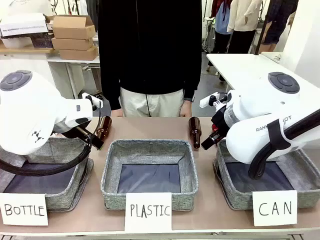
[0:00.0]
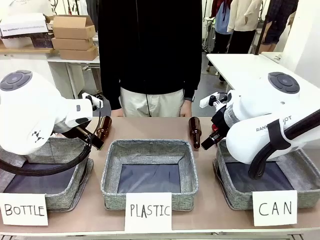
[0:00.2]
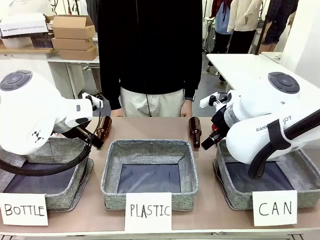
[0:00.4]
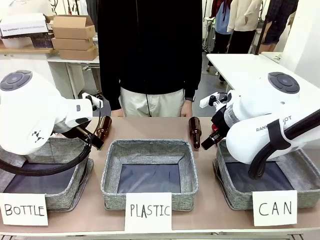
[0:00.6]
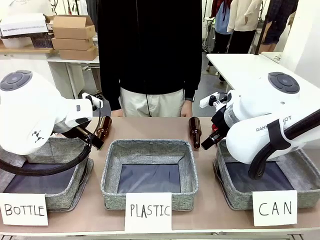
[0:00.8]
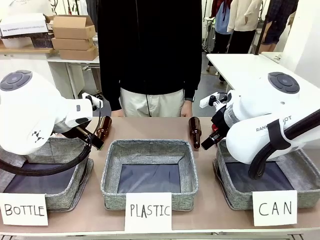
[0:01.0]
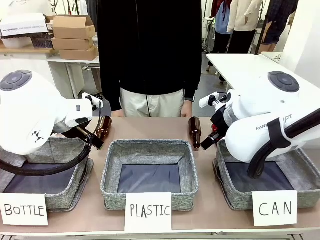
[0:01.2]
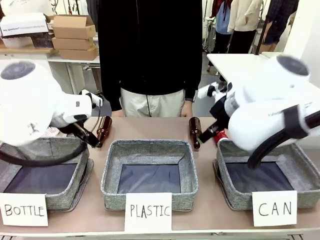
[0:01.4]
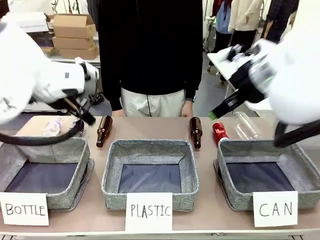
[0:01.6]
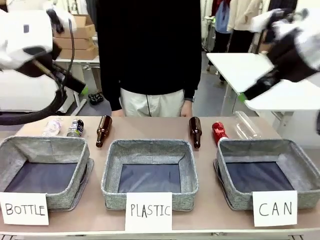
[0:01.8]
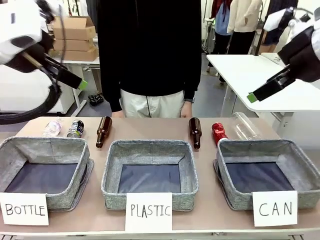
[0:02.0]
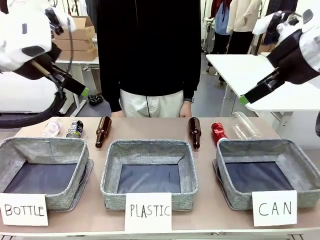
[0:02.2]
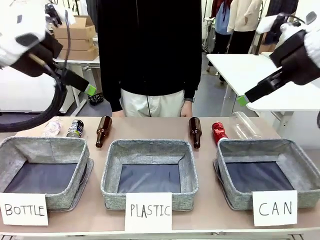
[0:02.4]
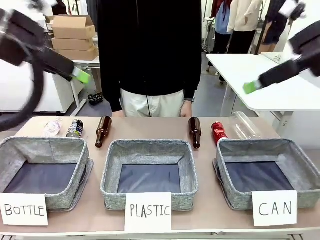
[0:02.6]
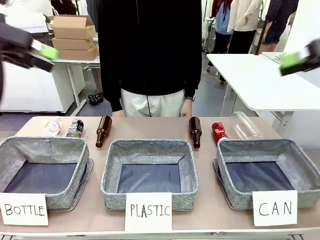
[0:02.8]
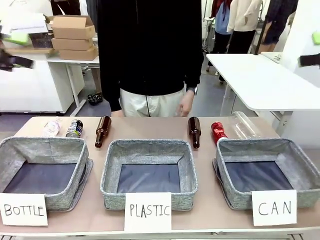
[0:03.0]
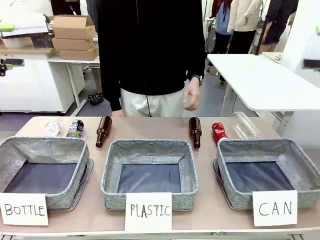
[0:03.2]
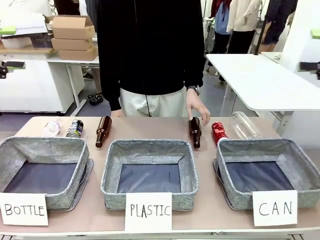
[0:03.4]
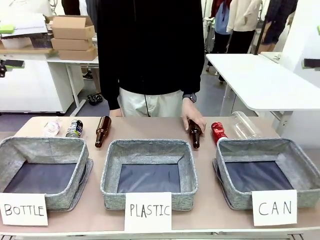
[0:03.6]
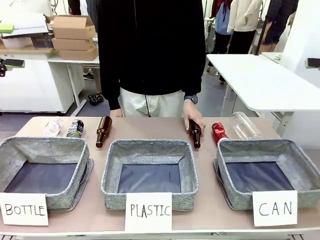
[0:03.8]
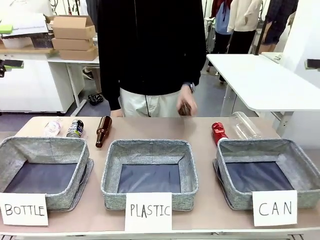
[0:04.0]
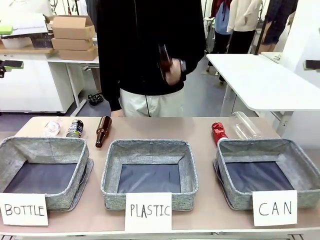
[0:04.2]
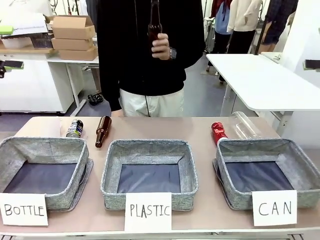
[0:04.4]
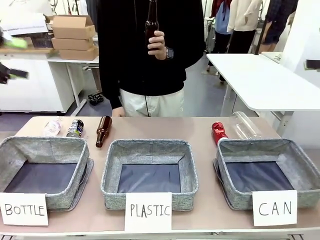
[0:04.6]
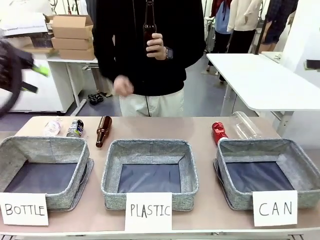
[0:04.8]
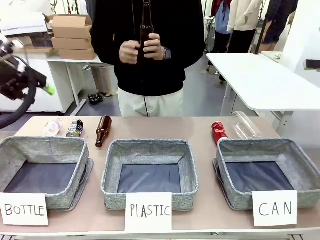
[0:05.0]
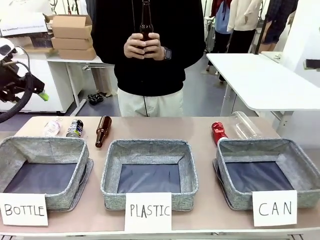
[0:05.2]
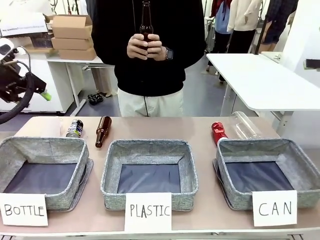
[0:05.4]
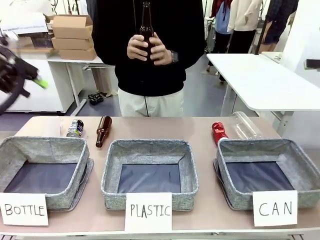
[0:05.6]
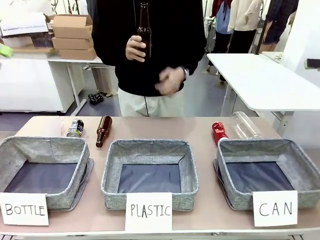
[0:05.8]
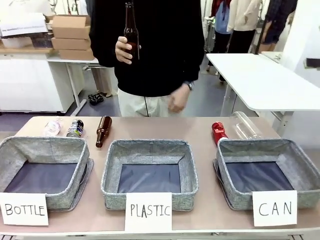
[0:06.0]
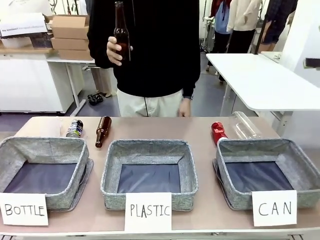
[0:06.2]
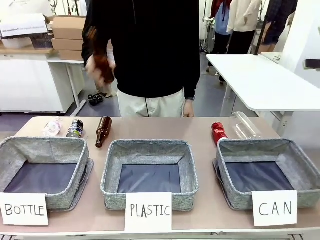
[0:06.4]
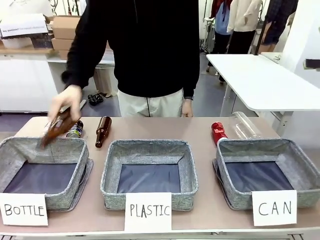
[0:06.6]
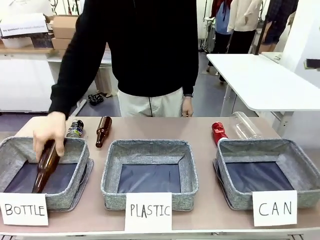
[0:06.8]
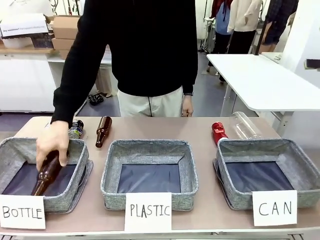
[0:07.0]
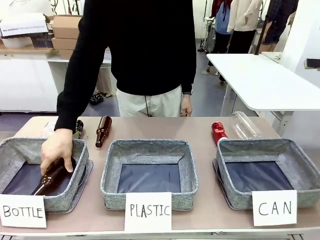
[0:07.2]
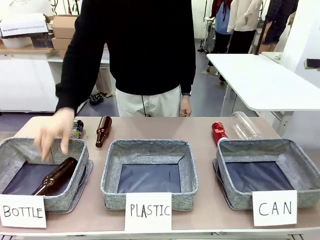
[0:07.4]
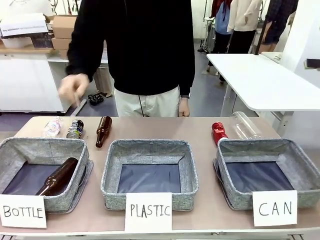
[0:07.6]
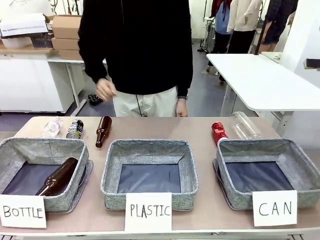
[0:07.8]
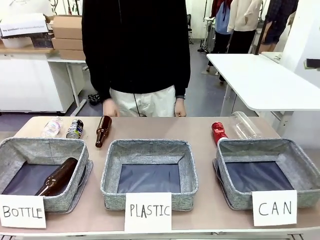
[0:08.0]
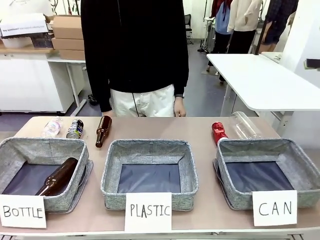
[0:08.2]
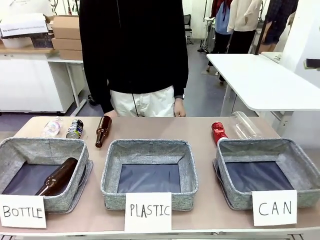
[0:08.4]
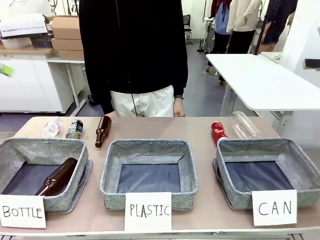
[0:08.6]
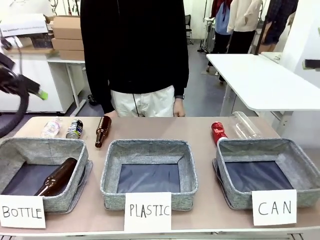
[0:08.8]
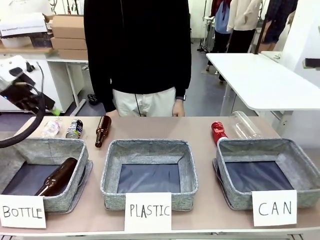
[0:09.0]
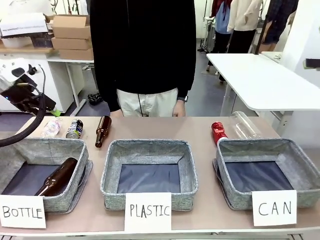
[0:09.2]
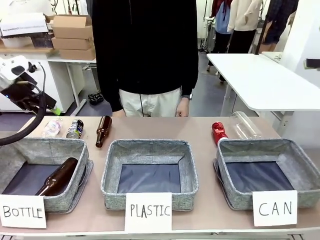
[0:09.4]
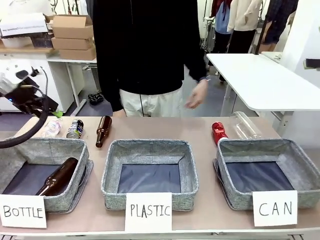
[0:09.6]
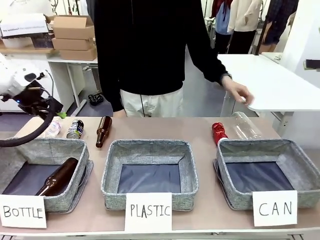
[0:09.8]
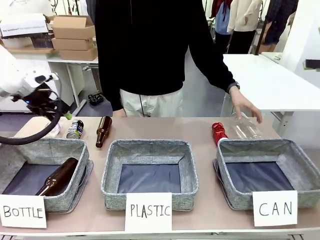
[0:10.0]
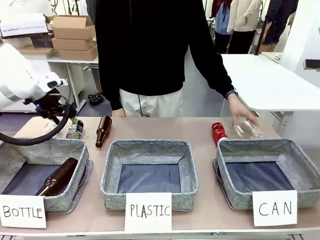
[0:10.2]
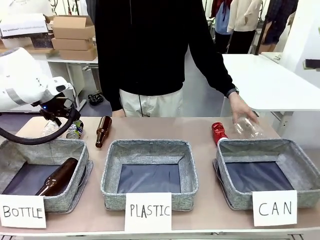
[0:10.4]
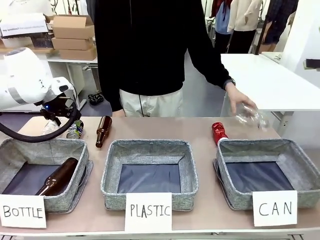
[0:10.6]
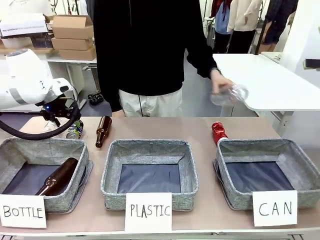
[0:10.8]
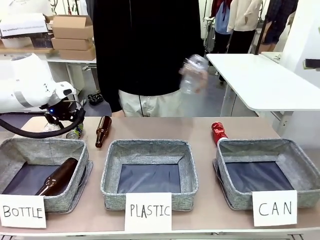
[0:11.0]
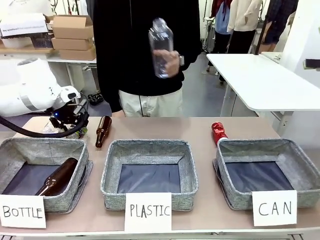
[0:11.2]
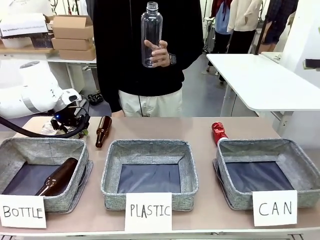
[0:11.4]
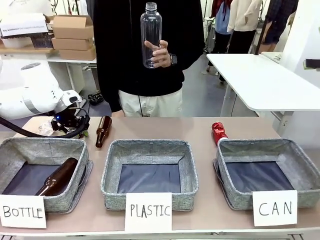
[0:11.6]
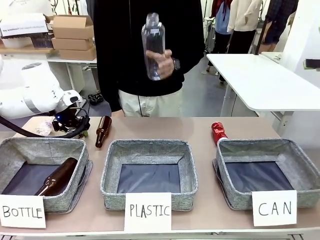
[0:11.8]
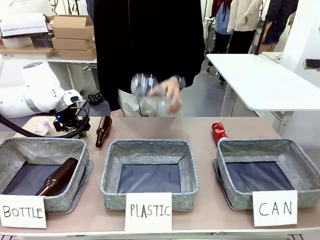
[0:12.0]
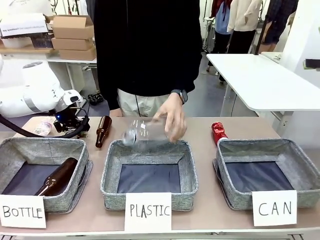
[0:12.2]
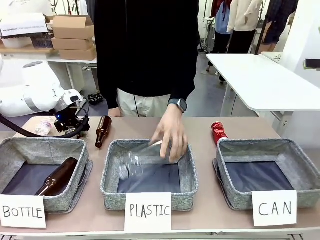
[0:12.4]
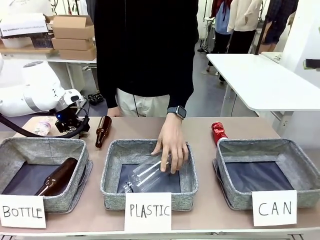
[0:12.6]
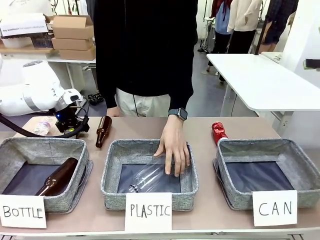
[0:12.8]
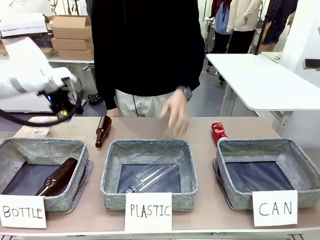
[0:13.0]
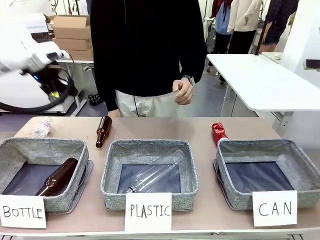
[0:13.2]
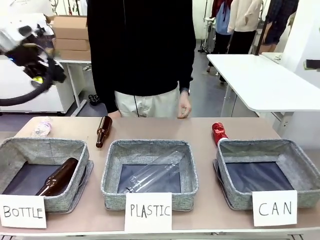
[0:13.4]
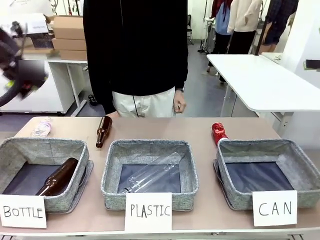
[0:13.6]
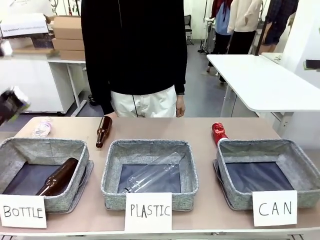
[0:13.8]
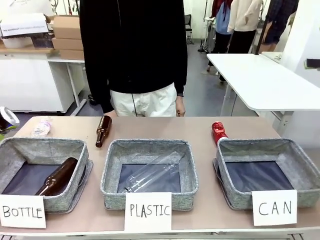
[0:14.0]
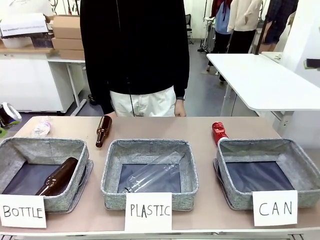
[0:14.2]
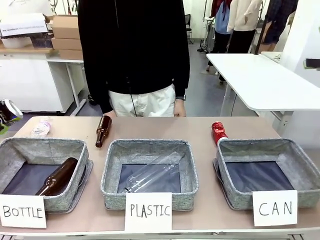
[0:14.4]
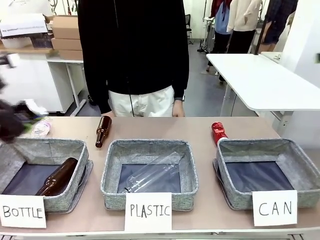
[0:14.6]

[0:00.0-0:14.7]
Task: Sort the can waste into the basket.
Robot: Pick up the can waste from the table and place it in the right Fabric basket.
